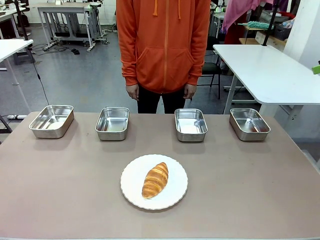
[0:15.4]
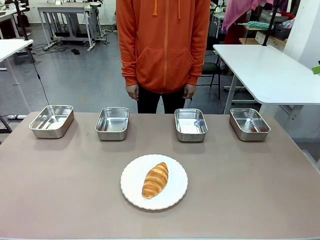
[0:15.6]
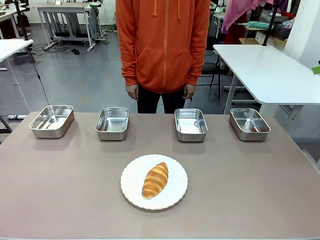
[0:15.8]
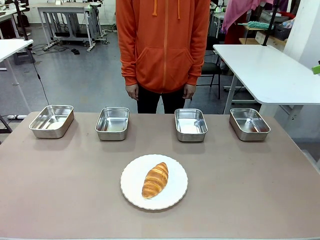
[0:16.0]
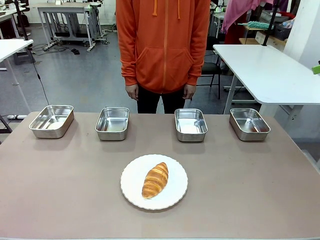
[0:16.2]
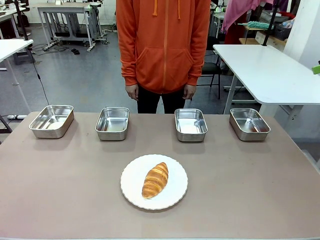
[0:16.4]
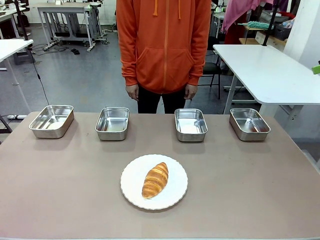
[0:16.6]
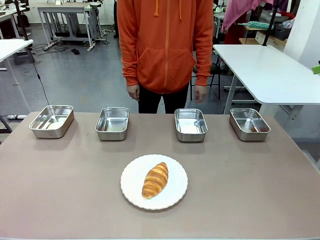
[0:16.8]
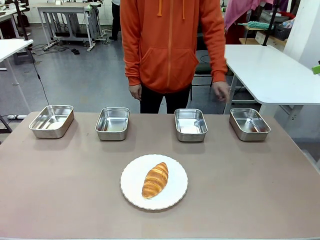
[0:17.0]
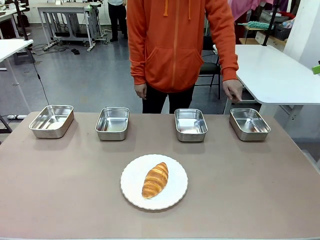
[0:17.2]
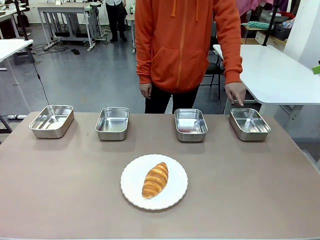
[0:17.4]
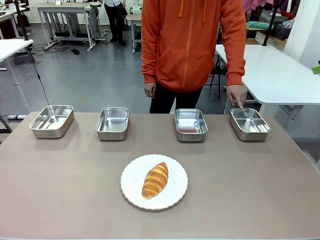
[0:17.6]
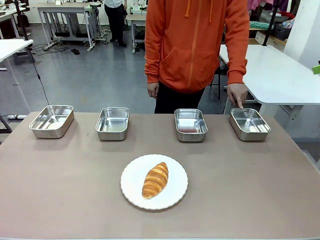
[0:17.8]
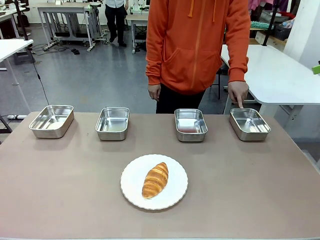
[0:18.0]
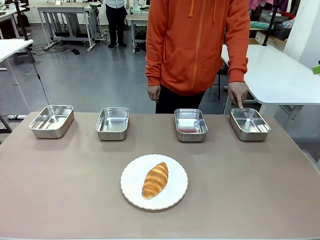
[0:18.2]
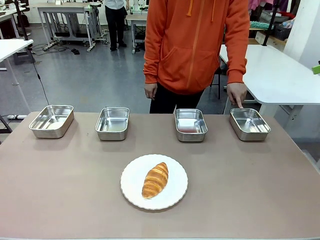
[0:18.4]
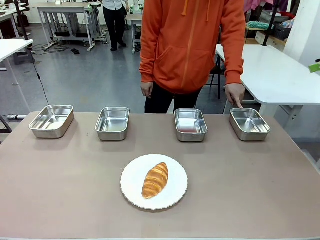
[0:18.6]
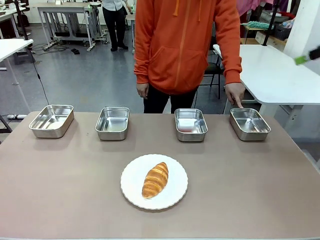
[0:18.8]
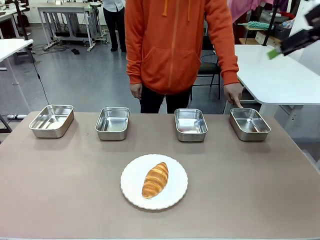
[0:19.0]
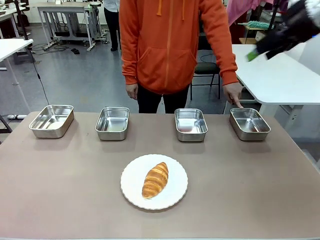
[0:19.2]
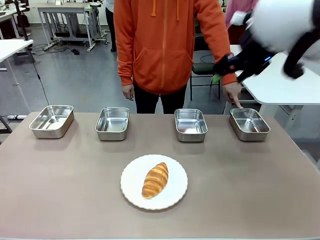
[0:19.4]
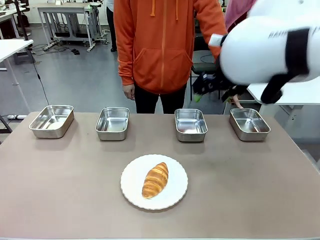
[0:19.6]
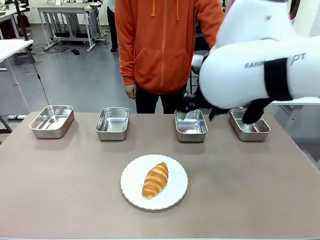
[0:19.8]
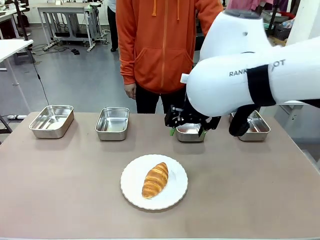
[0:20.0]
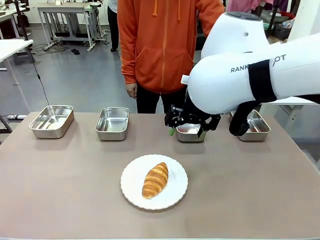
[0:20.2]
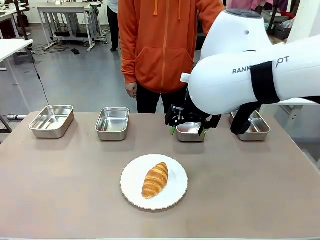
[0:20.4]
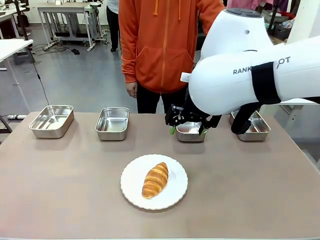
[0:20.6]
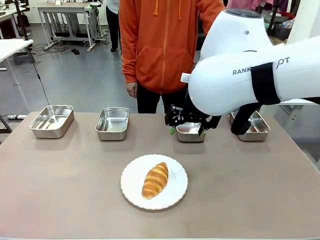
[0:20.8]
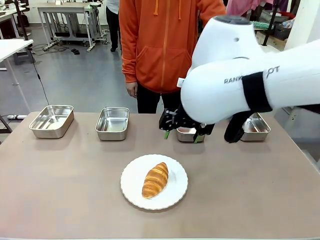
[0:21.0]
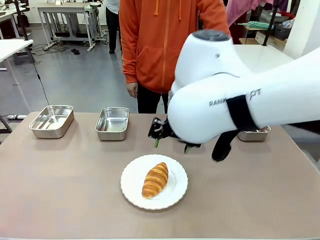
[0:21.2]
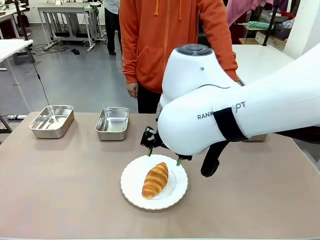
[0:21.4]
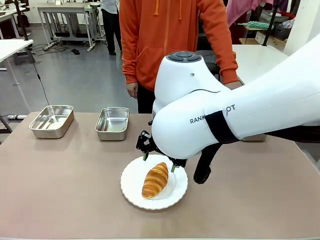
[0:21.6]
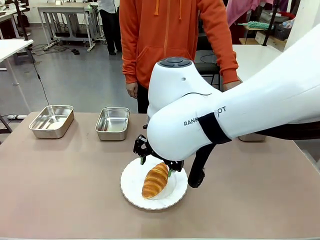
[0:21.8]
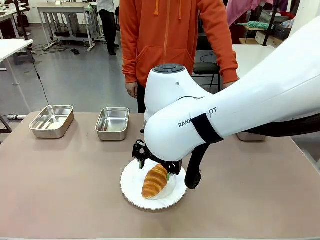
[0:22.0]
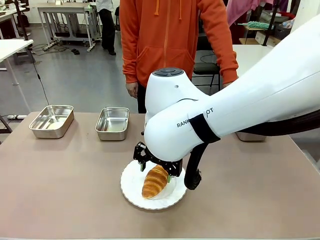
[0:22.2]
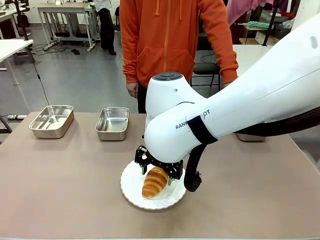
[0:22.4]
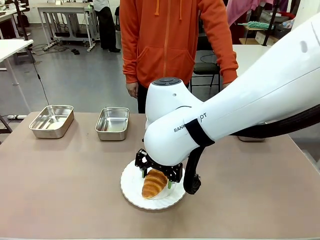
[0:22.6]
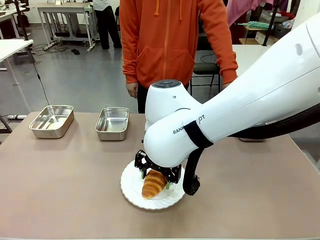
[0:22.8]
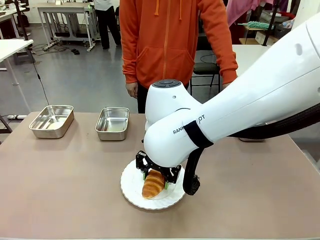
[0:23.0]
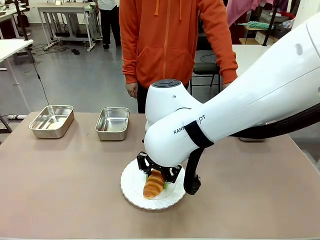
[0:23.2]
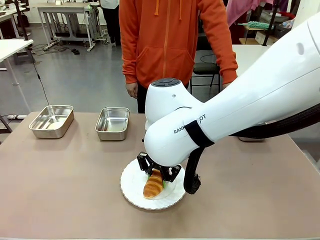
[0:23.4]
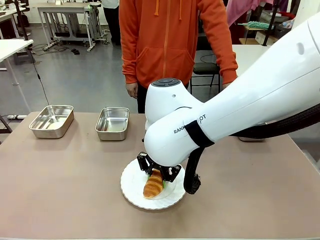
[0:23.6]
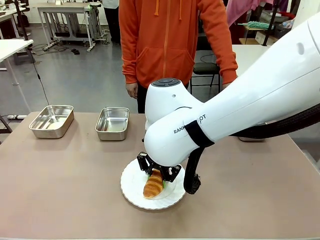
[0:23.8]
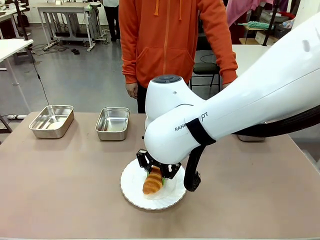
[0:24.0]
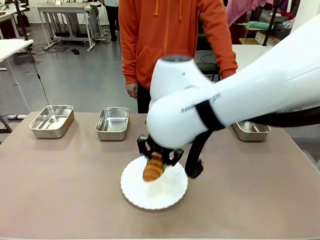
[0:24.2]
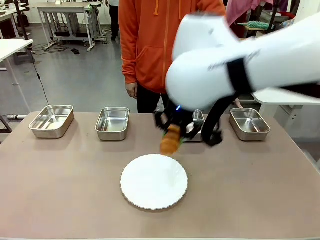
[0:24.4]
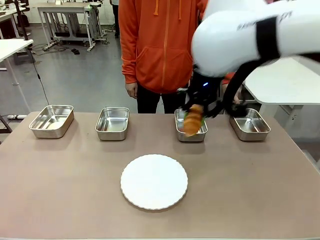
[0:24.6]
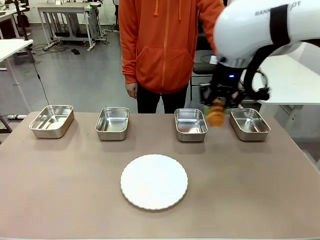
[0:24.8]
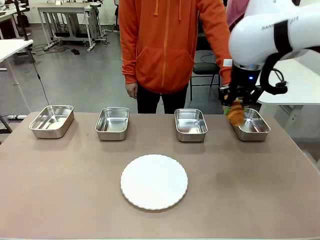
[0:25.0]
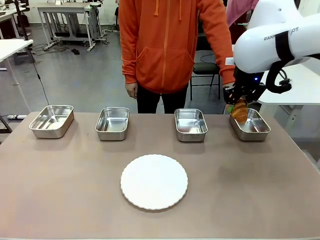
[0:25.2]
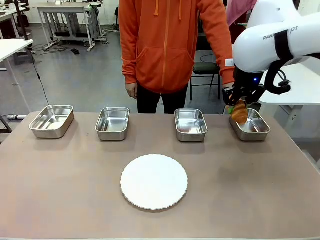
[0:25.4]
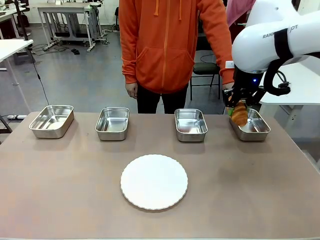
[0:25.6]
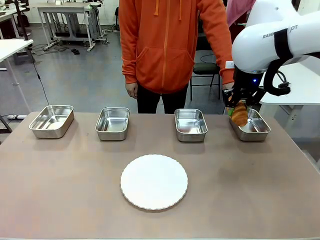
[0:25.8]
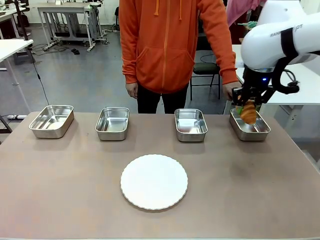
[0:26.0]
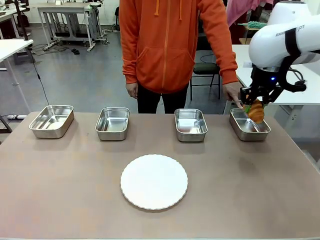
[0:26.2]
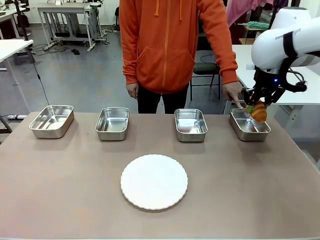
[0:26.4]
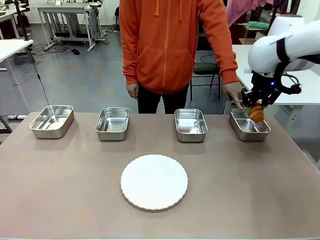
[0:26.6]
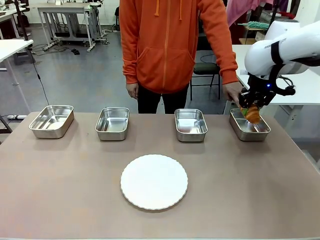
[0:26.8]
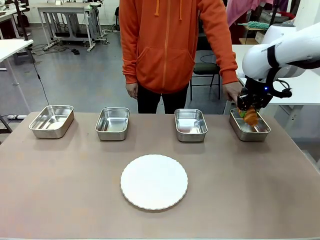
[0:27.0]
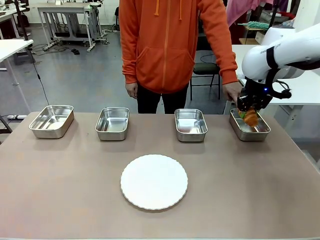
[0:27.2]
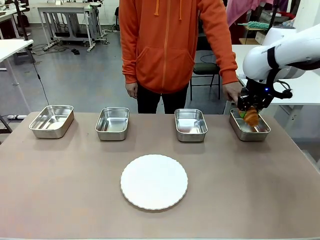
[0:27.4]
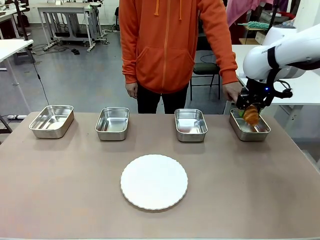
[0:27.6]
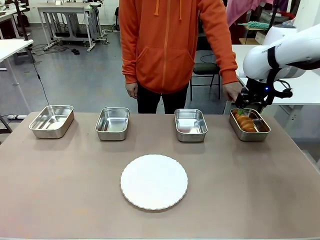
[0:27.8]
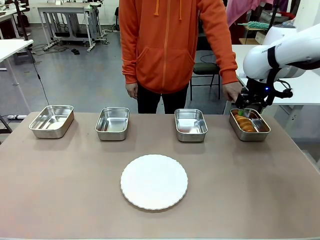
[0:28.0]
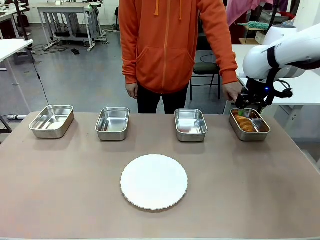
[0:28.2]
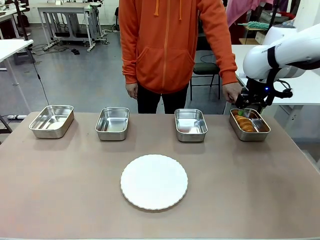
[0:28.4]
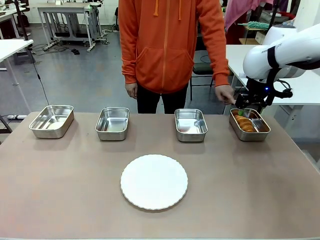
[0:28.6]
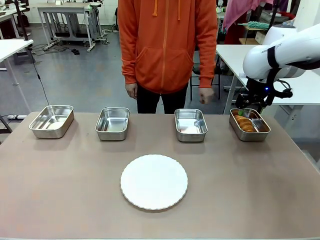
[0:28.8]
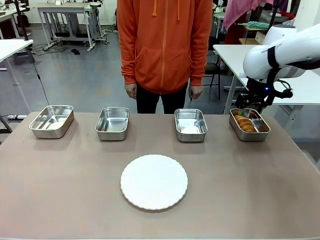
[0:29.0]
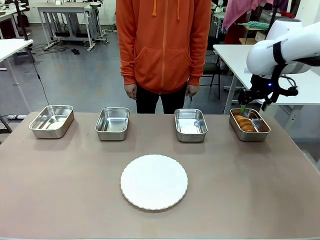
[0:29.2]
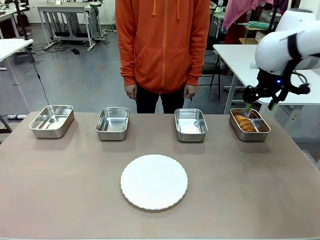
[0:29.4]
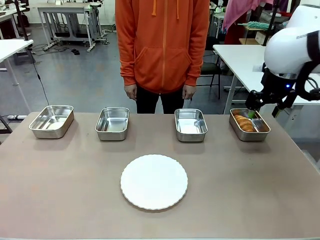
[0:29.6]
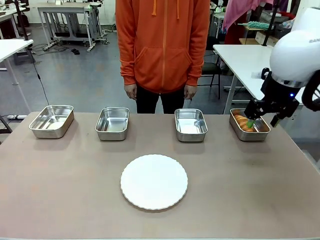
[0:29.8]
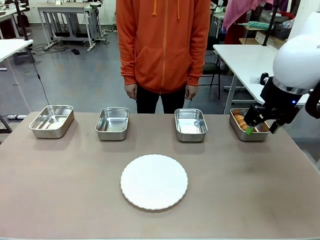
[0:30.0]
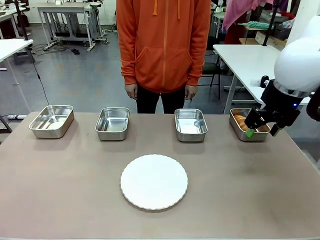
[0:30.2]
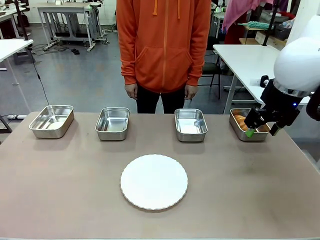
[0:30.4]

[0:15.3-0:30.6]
Task: Place the bread in the container.
Robot: Place the Butter Roll into the Airtight Container indicated by the human.

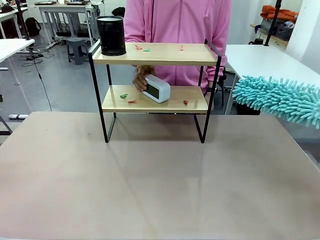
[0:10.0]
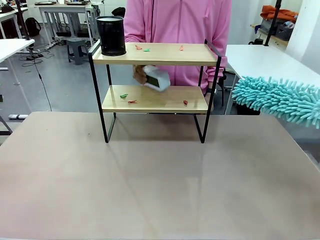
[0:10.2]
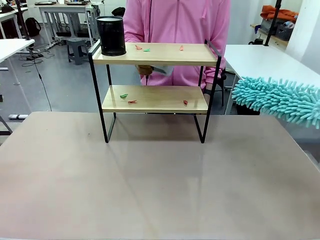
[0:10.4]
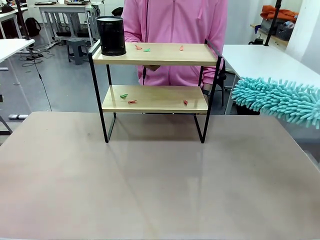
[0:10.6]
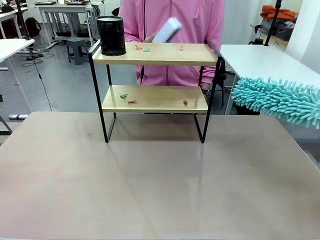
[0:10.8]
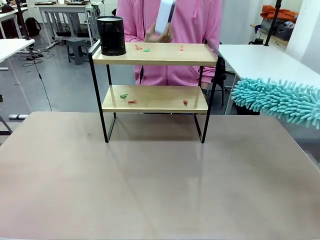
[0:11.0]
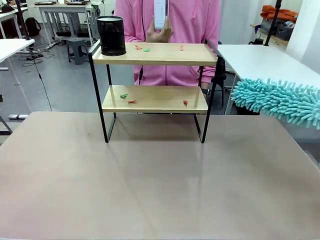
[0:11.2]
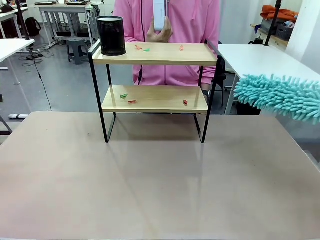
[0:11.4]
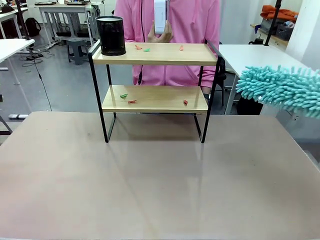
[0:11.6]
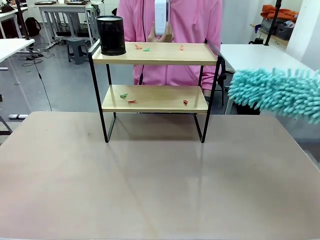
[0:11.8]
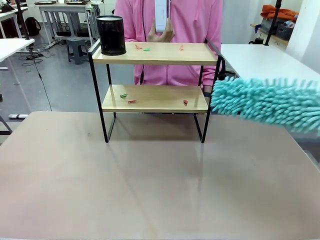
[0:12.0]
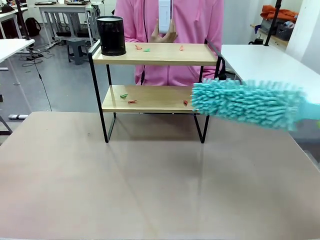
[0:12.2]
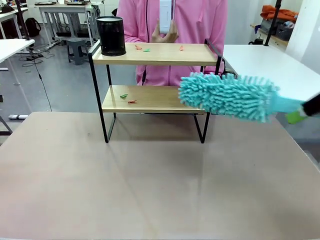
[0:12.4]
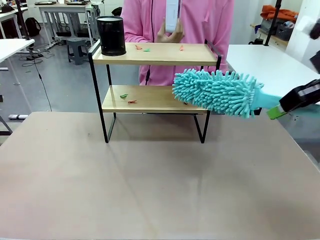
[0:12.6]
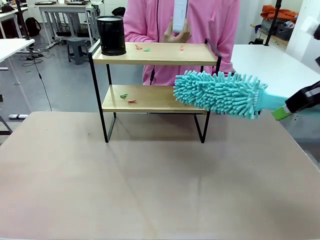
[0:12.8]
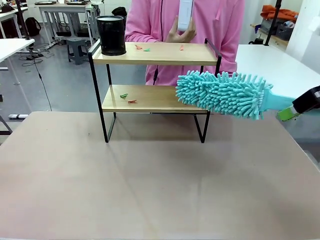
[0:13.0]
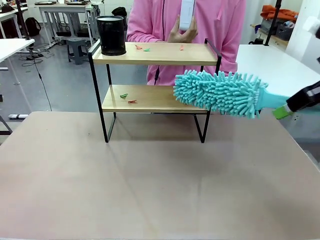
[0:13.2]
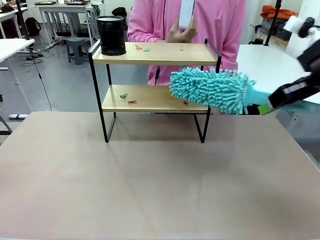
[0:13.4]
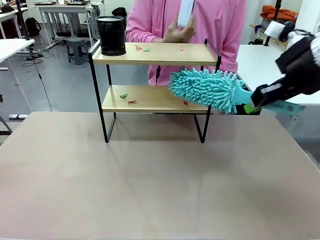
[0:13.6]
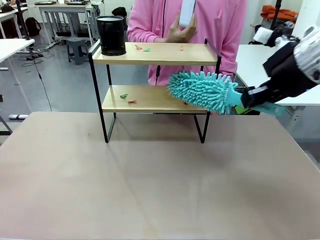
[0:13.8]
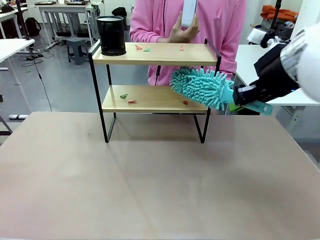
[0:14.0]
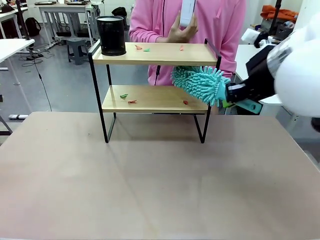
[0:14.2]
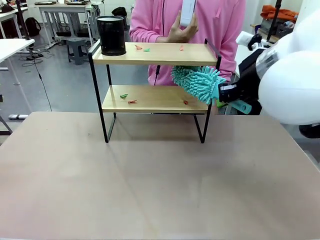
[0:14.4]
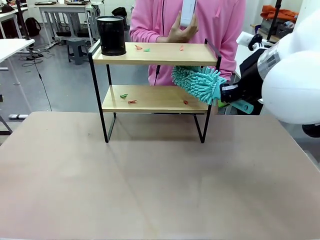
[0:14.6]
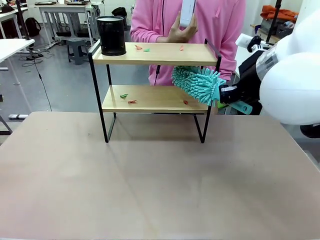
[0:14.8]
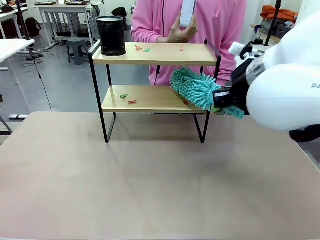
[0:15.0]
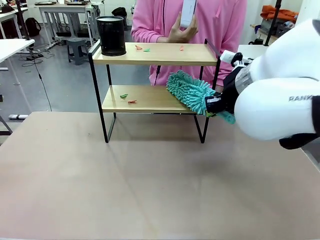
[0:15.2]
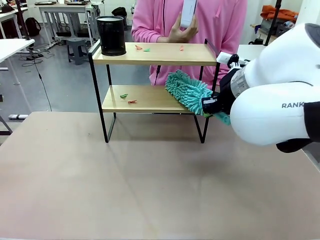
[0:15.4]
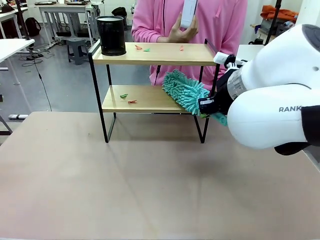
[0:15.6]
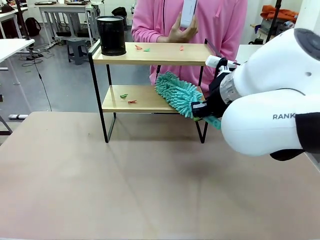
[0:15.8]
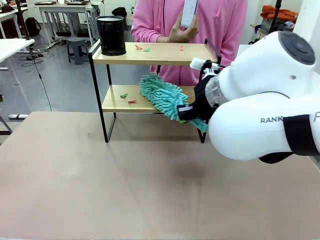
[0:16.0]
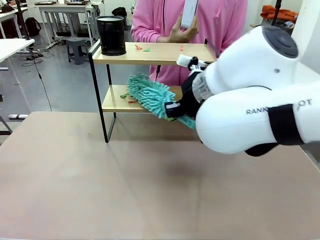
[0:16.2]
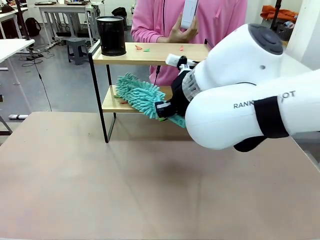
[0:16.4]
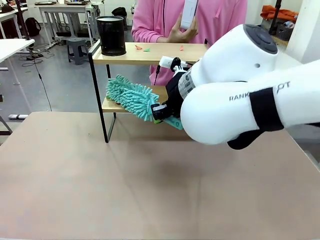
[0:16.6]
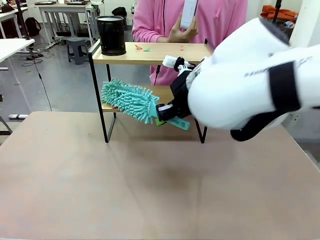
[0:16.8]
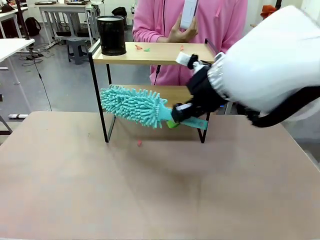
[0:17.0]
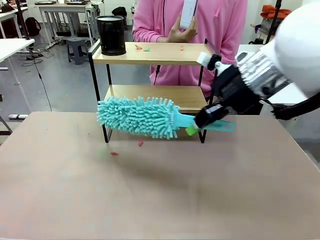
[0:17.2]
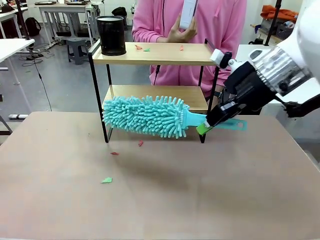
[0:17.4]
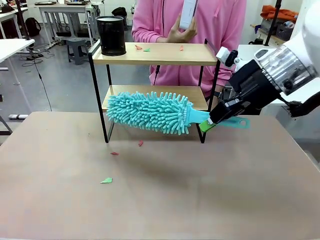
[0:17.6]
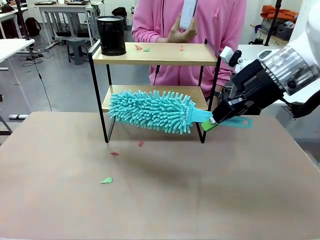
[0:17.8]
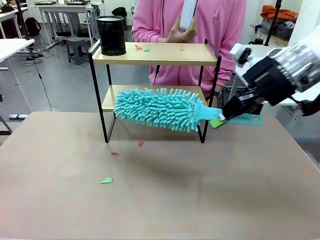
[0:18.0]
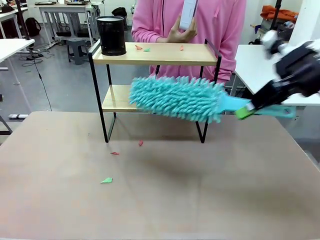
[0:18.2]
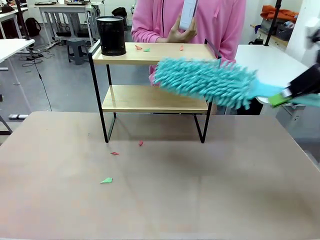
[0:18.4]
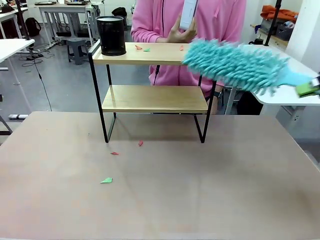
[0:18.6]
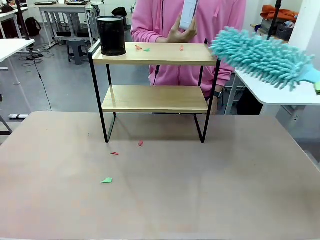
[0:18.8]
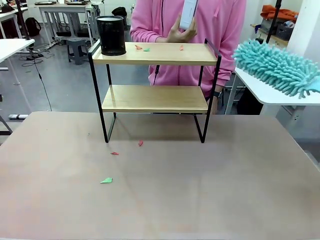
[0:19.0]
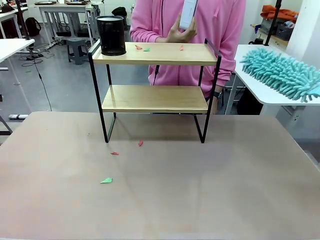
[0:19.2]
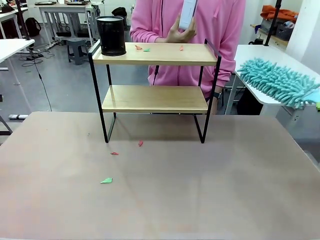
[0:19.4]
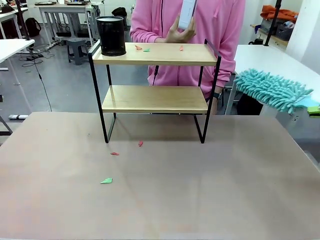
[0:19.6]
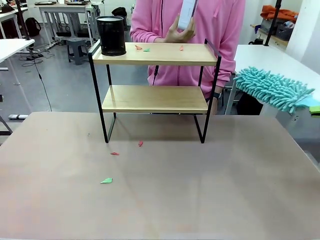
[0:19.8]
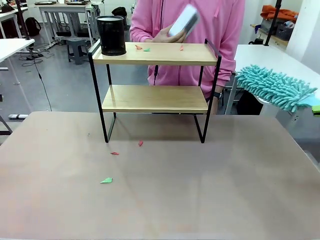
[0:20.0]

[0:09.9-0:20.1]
Task: Clean the shelf.
Robot: Clean the specific tier of the Shelf with the Duster once objects are removed.
Person: Lift the objects on a randomly selected tier of the Shelf. Once the robot finishes cleaning, lift the objects on the remaining tiers of the Shelf.
